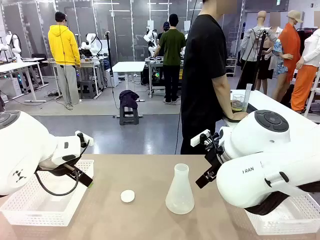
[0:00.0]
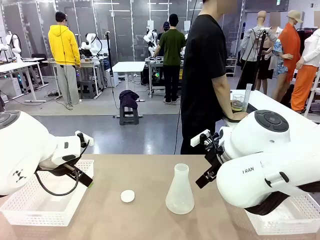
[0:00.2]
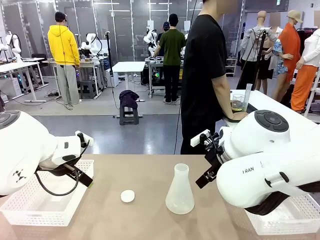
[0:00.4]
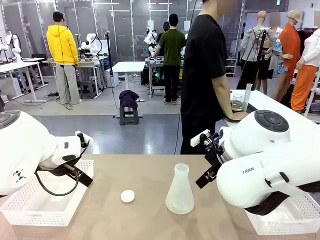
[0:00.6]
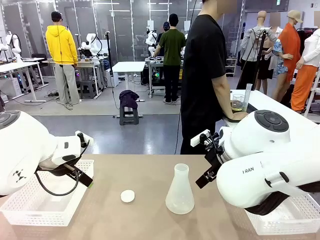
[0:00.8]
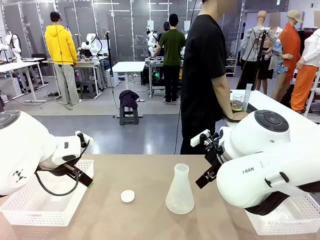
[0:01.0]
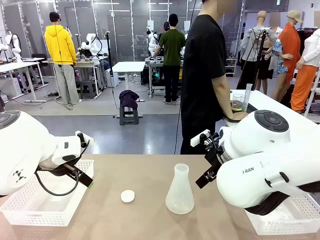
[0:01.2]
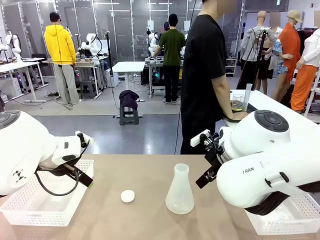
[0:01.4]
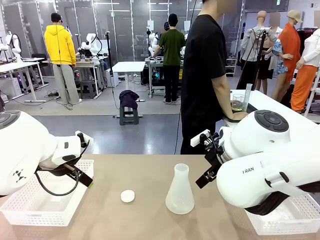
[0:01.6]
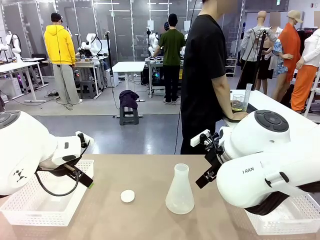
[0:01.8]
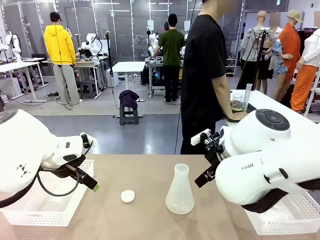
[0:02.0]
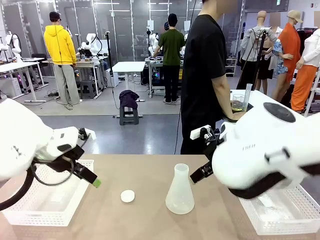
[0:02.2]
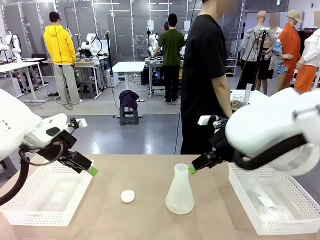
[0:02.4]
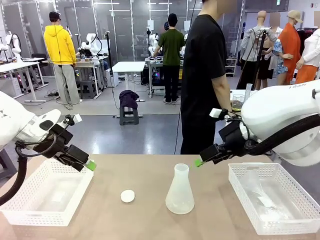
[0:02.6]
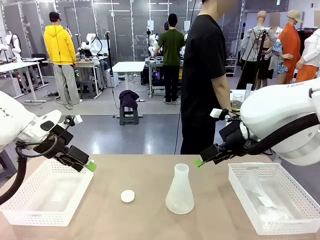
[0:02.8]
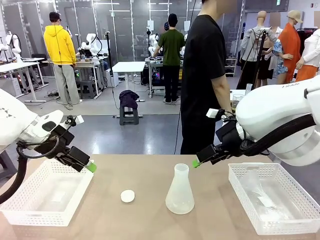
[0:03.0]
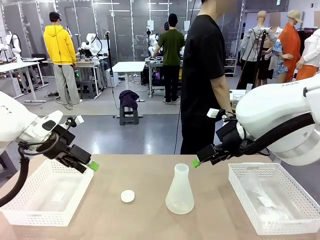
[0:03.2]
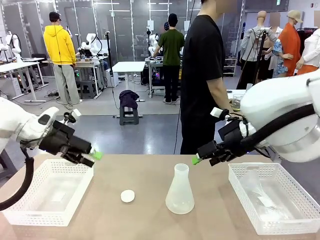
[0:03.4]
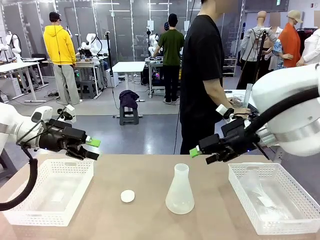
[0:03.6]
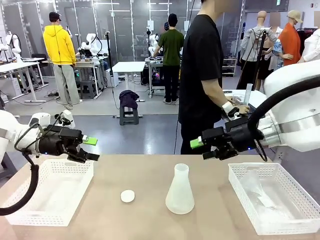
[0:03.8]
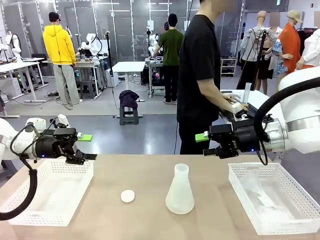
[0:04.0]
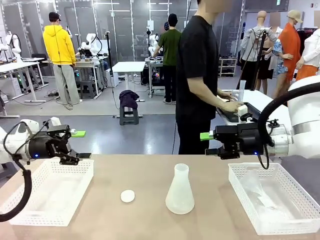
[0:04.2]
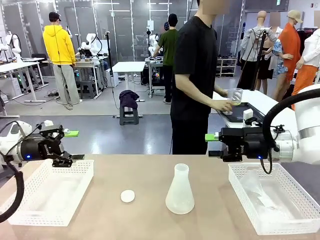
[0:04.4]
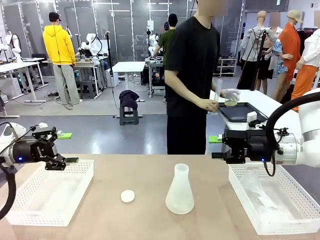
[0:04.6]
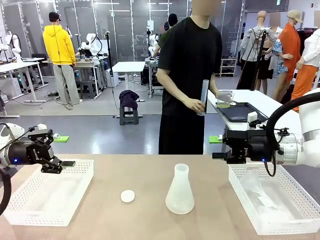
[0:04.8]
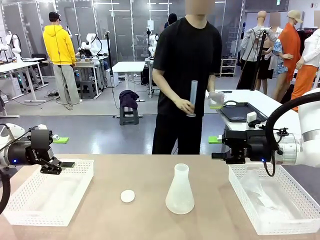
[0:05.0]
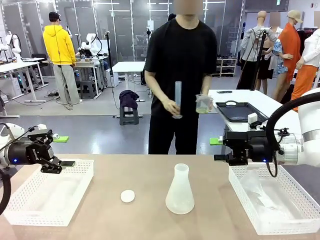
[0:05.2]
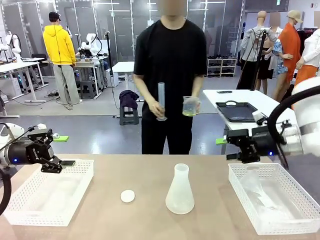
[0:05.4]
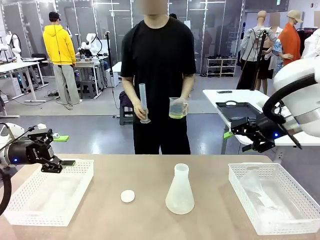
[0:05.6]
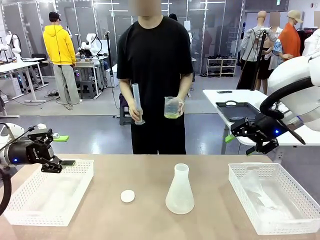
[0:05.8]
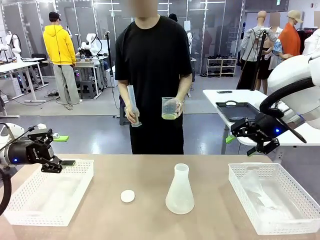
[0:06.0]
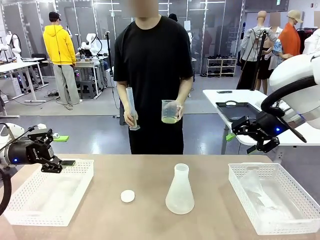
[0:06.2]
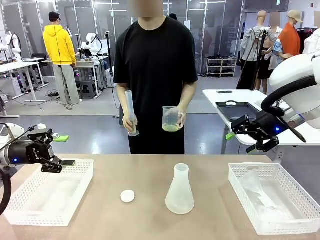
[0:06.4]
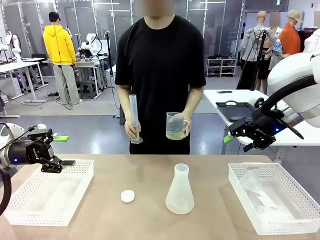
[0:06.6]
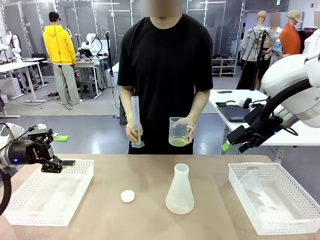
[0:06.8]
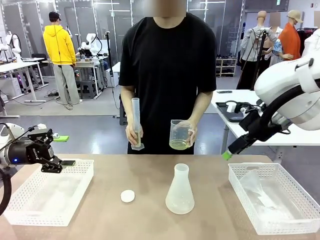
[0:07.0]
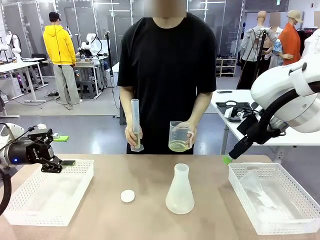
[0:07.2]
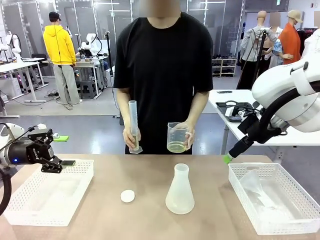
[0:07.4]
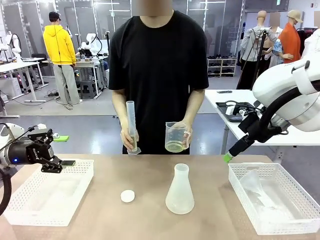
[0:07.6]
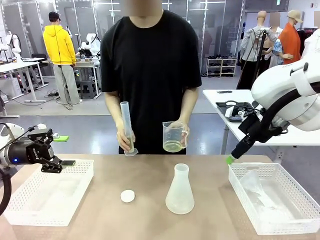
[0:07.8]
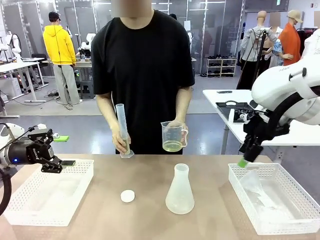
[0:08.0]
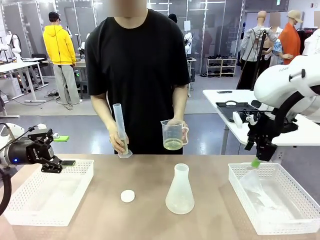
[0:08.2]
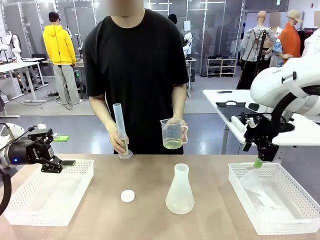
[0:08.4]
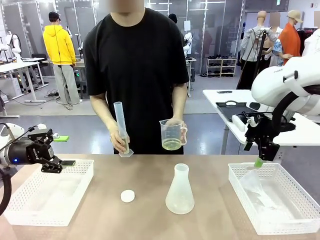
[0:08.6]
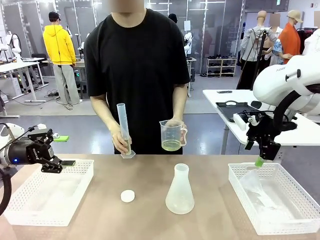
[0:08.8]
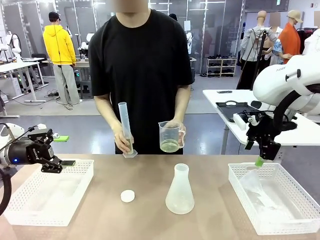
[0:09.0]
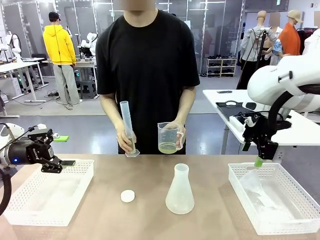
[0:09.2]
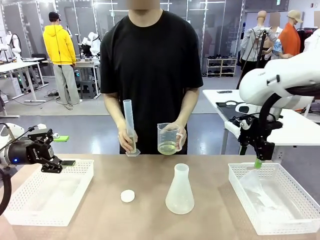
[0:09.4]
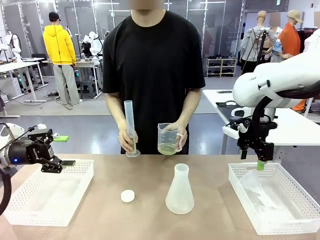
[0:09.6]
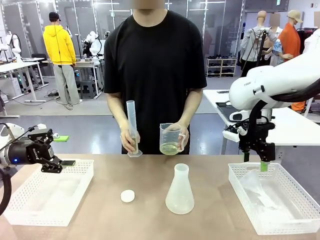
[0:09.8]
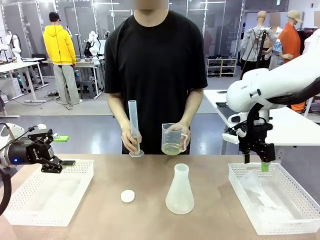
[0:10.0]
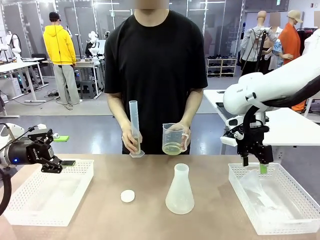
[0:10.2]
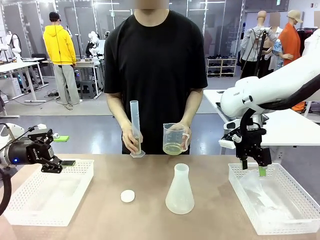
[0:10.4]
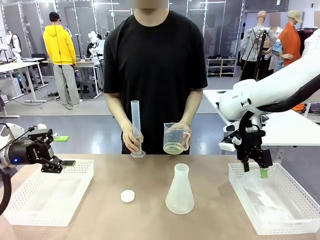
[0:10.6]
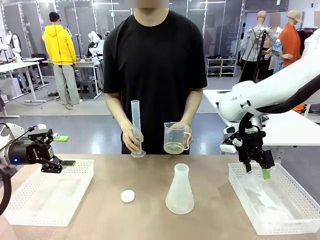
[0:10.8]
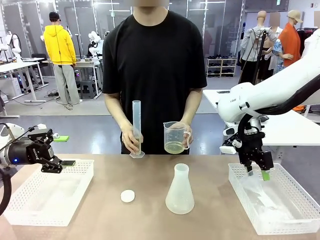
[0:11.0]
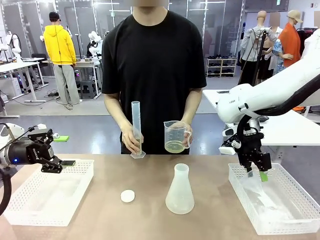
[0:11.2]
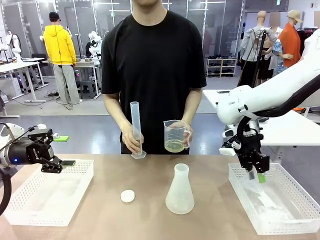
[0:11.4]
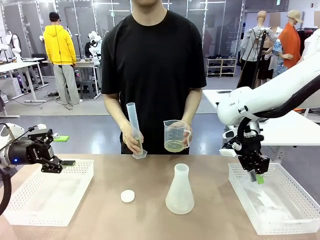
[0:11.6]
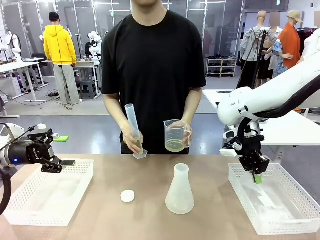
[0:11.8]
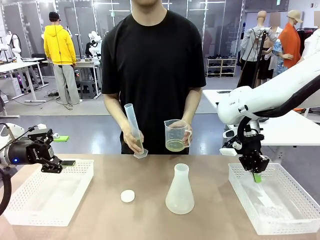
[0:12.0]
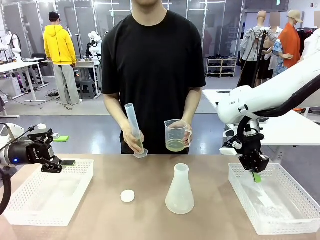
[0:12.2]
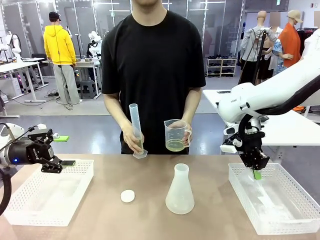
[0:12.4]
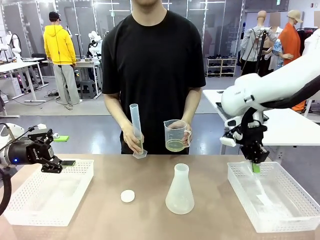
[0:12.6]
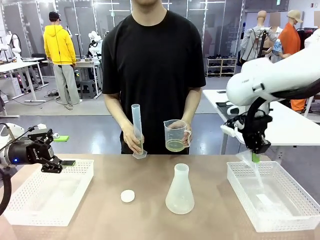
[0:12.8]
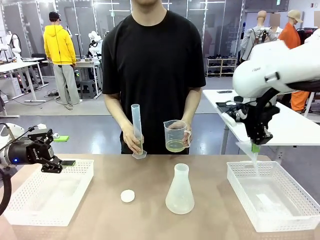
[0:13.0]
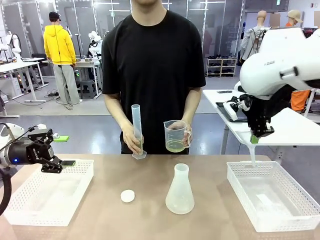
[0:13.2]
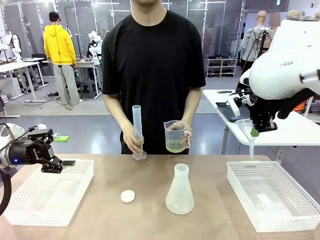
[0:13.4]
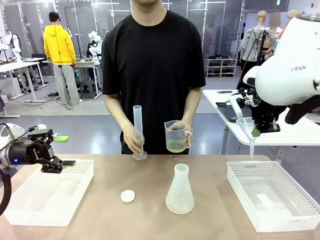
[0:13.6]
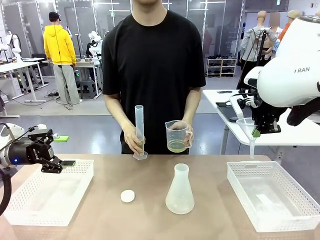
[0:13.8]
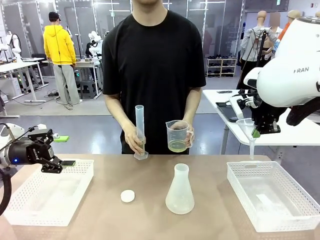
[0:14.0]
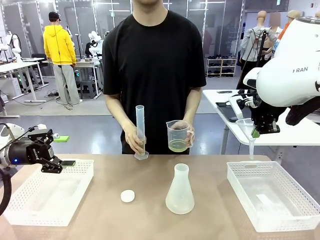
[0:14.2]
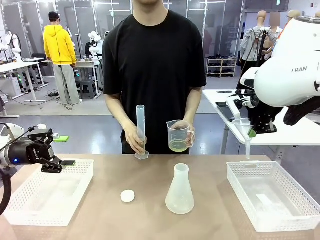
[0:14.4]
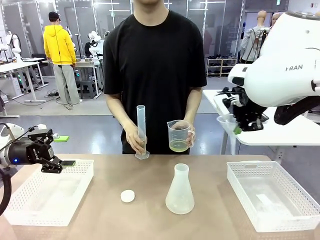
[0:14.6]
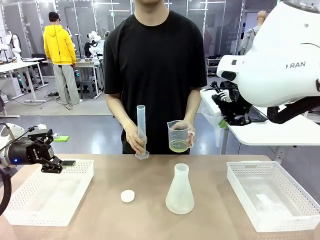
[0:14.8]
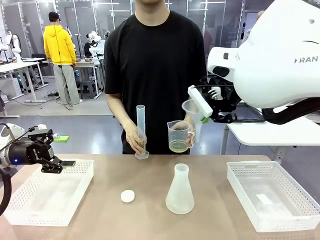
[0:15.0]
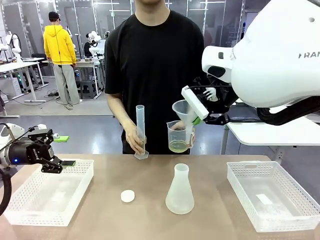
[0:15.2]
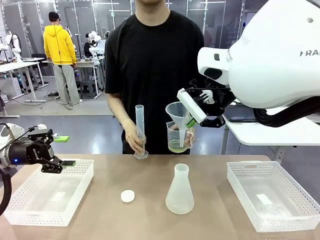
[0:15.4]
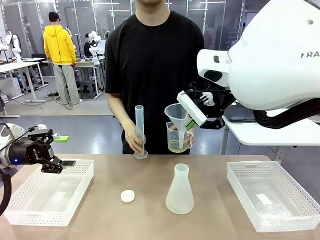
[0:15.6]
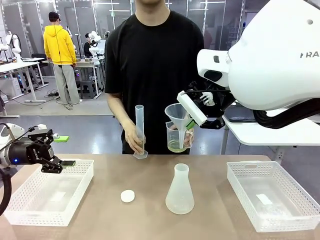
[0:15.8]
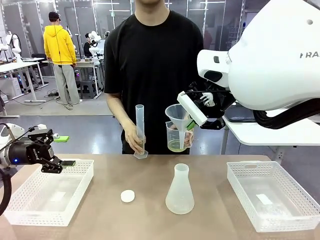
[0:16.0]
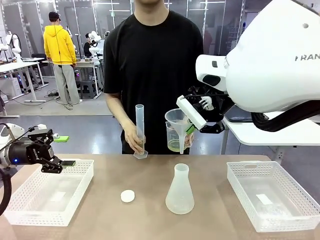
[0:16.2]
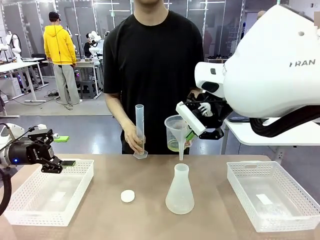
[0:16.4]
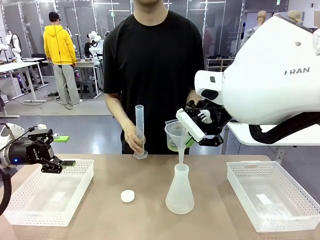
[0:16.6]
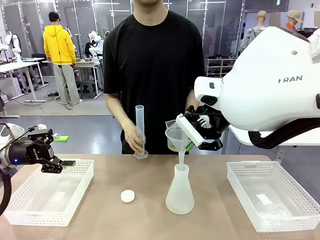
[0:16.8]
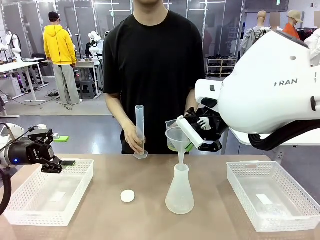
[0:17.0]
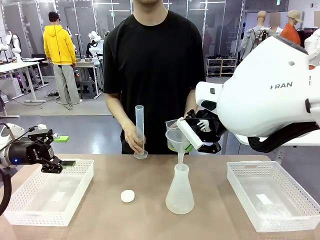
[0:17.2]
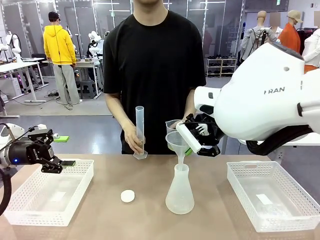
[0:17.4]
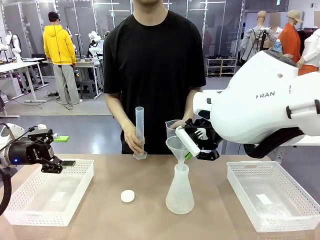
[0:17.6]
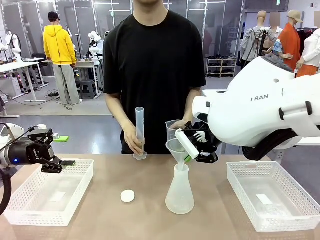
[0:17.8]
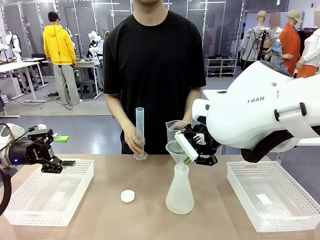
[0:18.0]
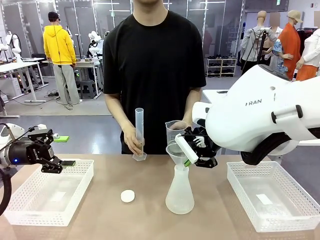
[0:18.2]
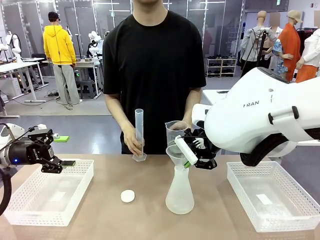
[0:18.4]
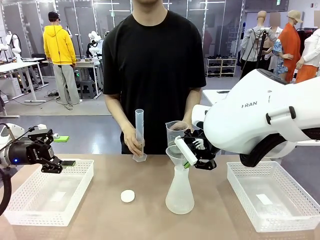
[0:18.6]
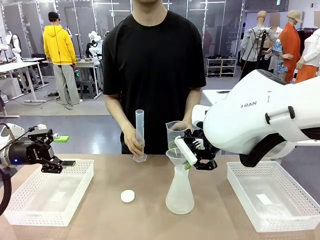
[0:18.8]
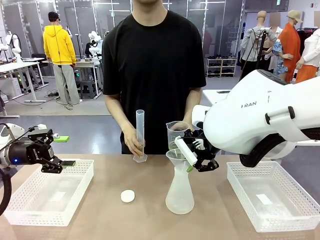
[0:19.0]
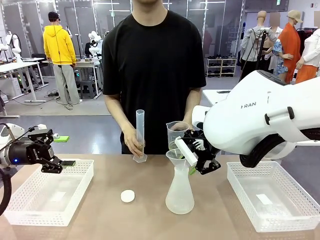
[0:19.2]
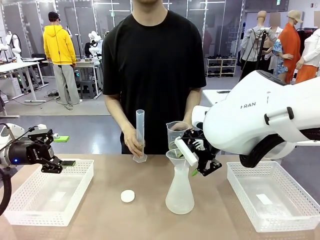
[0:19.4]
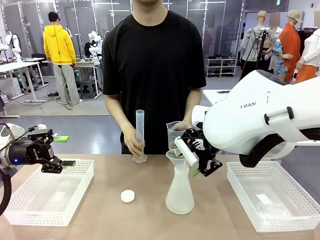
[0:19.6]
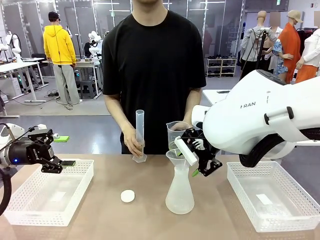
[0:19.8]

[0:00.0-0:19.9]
Task: Prepare the solutions needed for the experiment.
Robot: Pick up the Plastic Funnel and insert it into the Big flask.
Person: Pick up the beaker and the cylinder and move to the middle of the robot table. Pour the solution from the beaker and the cylinder into the flask.
